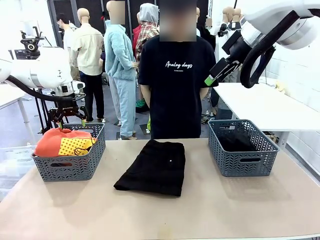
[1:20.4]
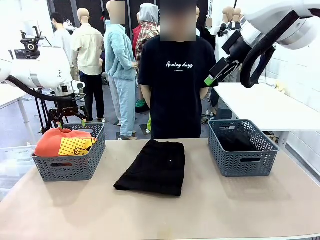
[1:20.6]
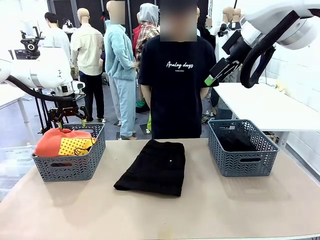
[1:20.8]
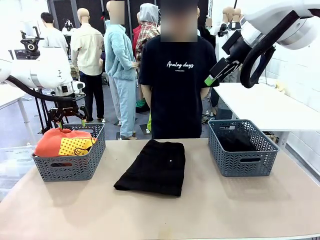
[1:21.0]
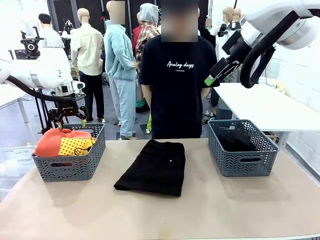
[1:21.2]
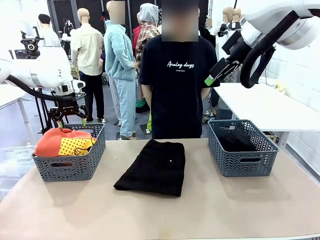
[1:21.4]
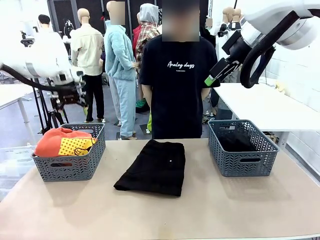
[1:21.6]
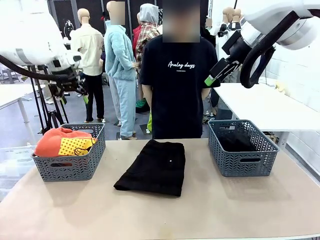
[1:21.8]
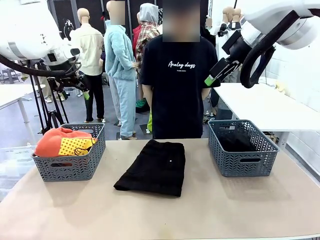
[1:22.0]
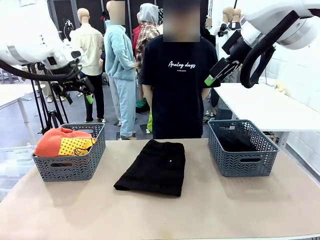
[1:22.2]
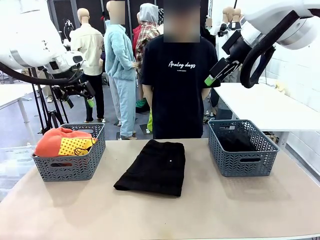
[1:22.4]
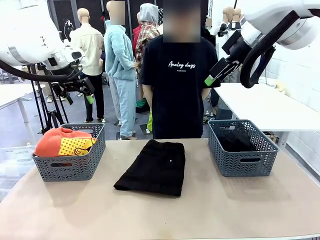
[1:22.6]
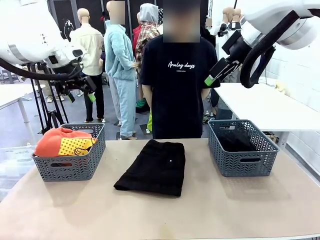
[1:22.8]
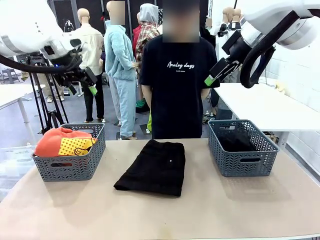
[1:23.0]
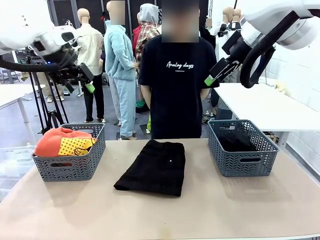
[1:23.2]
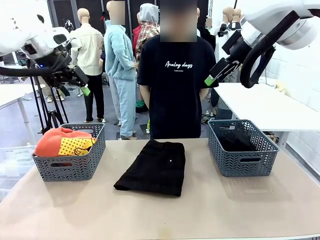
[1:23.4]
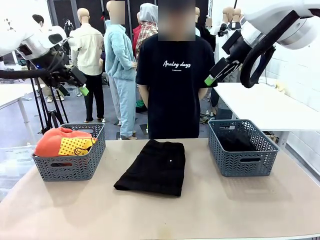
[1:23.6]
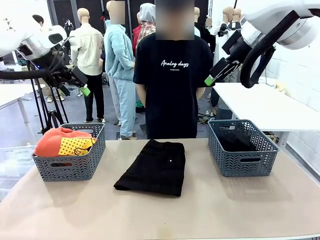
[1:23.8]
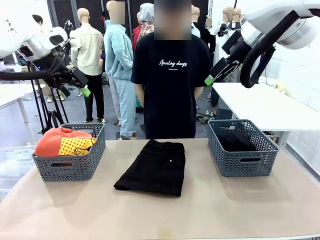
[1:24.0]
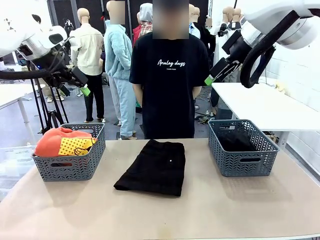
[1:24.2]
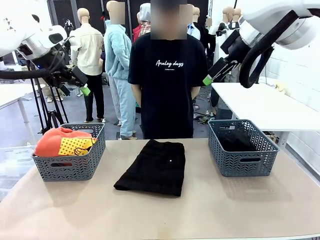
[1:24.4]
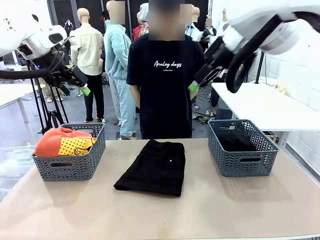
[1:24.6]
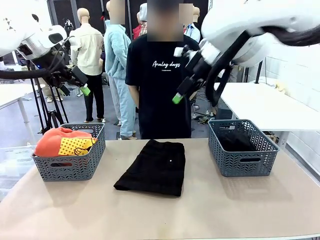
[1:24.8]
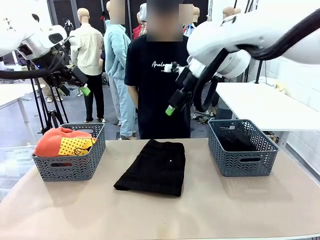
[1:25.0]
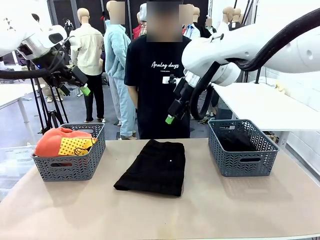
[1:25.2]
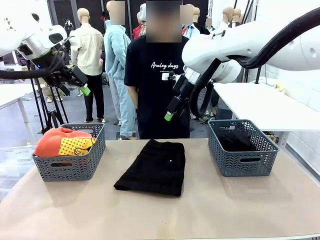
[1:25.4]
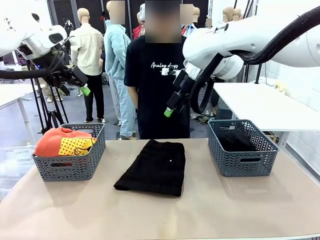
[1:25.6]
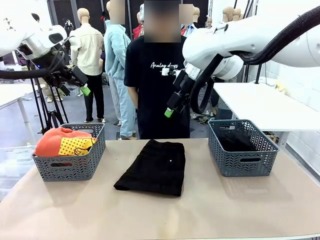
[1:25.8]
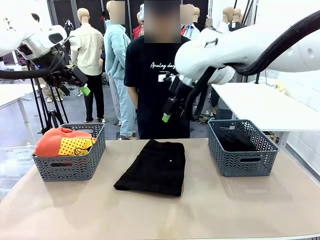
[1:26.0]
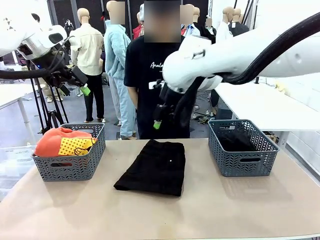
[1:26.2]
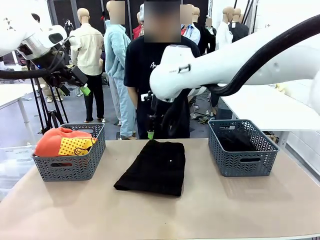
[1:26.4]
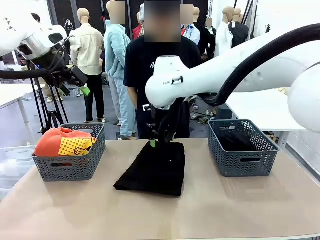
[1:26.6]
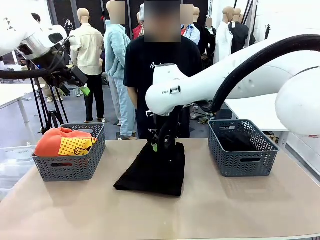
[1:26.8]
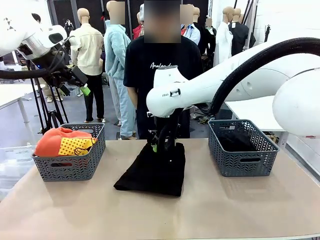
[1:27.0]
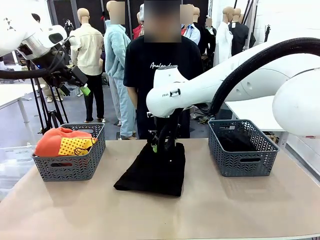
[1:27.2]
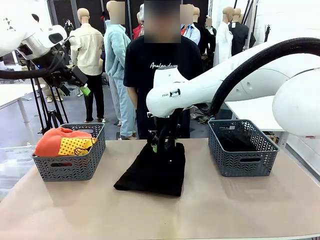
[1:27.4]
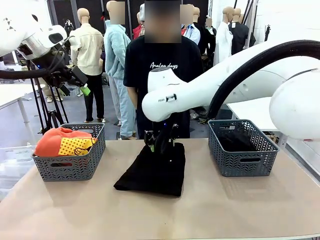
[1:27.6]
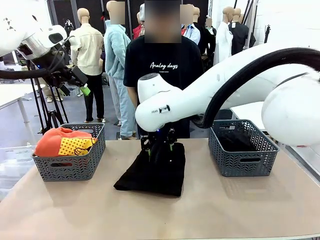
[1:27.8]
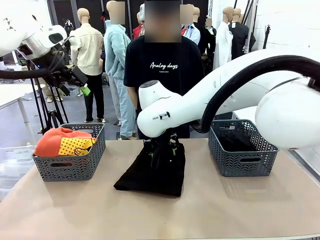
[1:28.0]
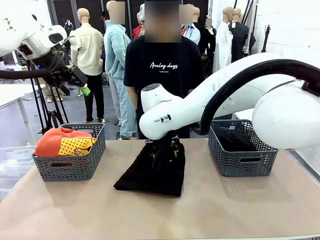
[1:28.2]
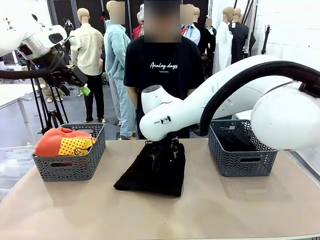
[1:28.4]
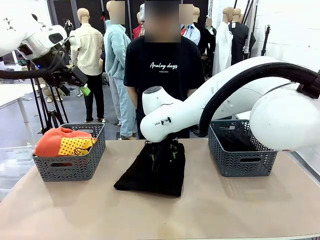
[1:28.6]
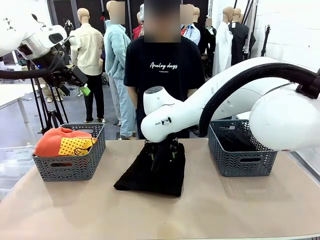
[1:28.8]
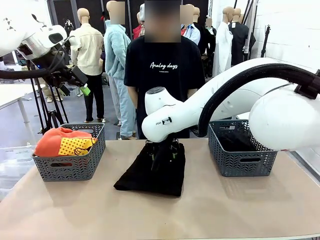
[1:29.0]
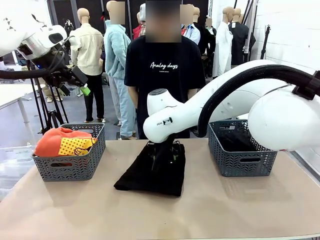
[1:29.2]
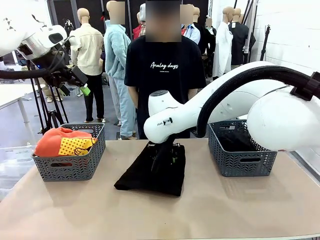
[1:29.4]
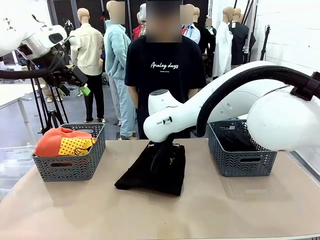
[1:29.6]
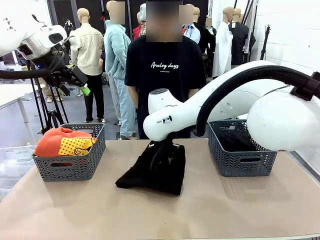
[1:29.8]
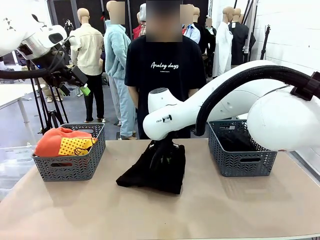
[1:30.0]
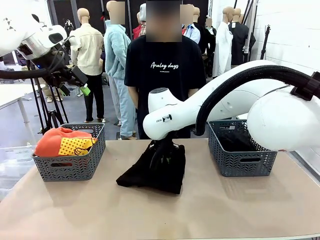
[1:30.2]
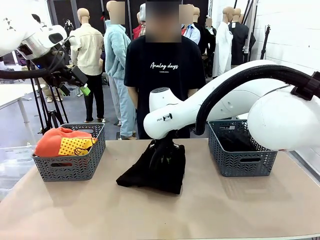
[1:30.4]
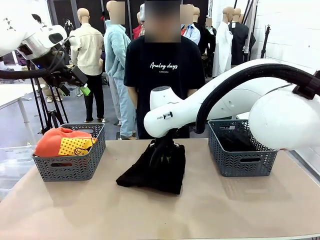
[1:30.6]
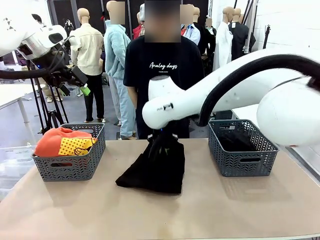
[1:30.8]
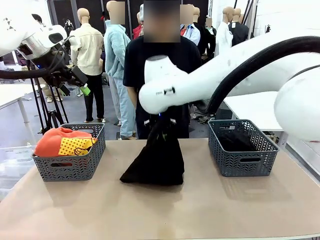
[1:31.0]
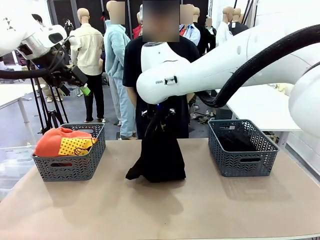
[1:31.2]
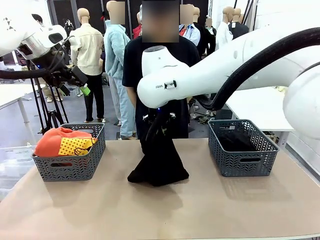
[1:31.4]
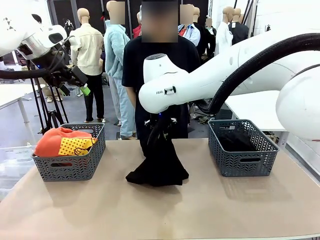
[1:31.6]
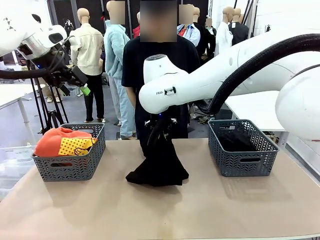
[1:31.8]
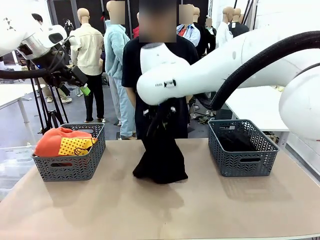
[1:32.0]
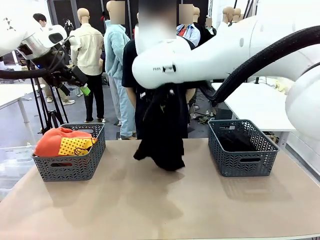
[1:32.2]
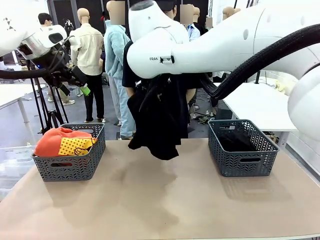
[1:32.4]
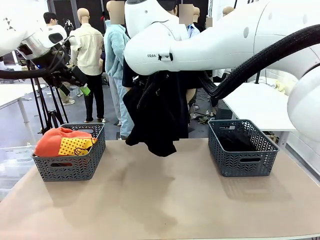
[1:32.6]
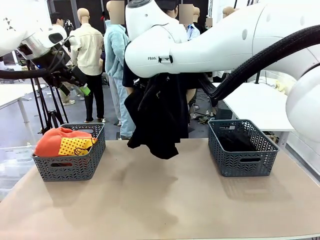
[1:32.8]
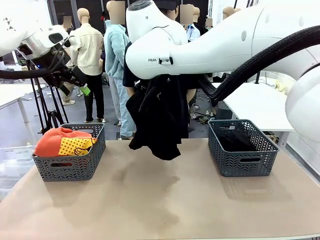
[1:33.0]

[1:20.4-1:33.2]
Task: Sort the tops and bottoms.
Robot: Lift clothes from the center of the table with your right hand.

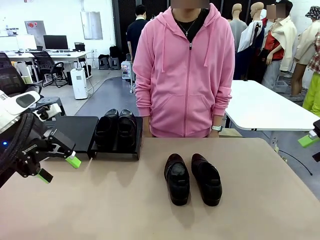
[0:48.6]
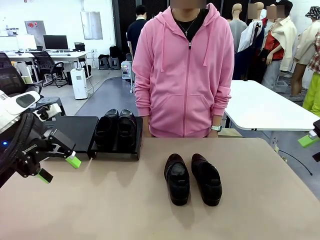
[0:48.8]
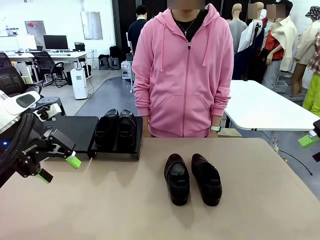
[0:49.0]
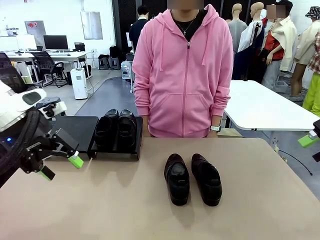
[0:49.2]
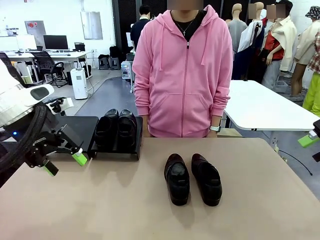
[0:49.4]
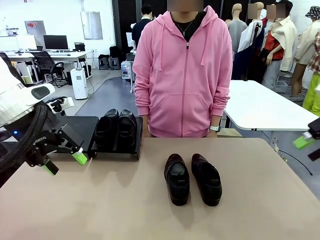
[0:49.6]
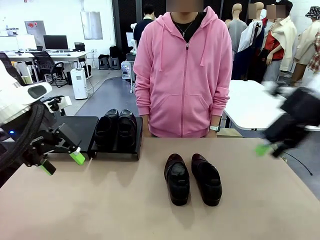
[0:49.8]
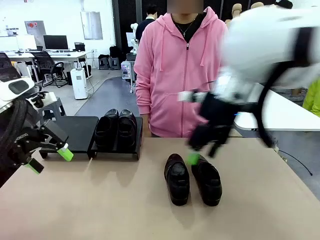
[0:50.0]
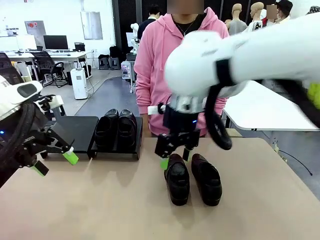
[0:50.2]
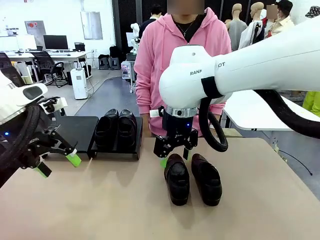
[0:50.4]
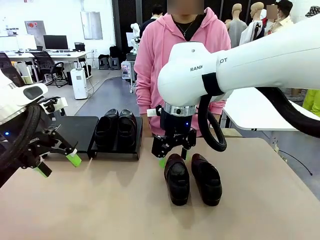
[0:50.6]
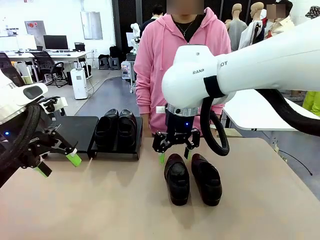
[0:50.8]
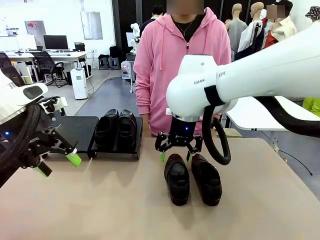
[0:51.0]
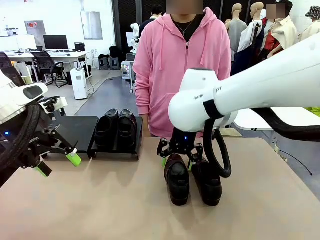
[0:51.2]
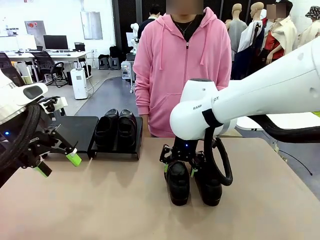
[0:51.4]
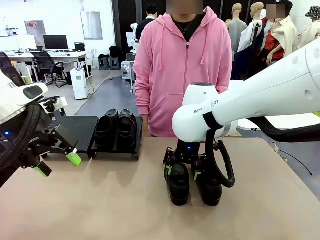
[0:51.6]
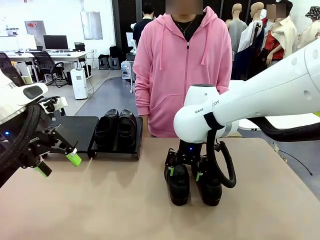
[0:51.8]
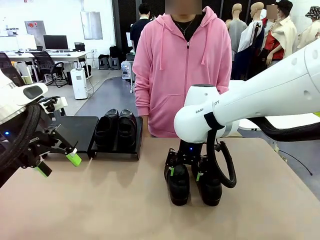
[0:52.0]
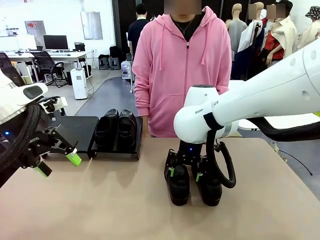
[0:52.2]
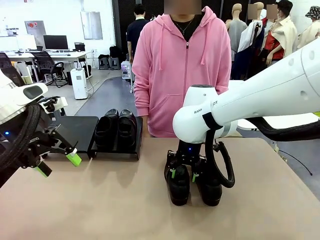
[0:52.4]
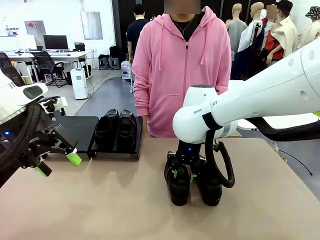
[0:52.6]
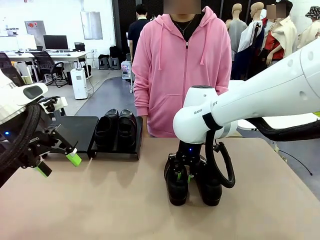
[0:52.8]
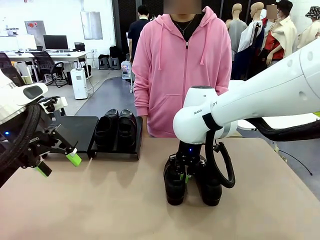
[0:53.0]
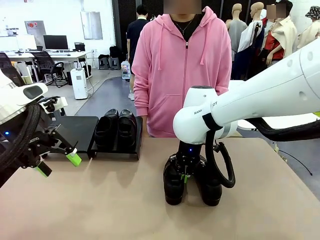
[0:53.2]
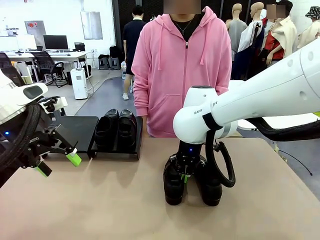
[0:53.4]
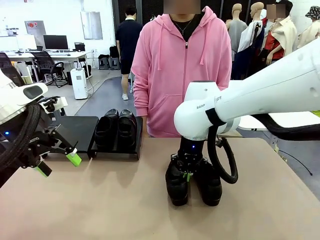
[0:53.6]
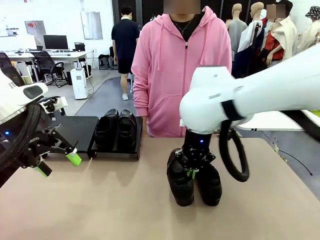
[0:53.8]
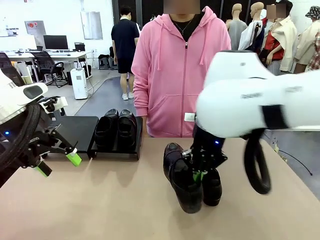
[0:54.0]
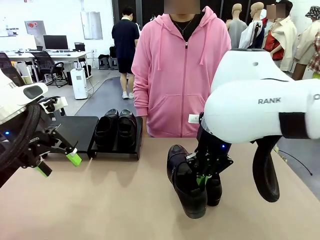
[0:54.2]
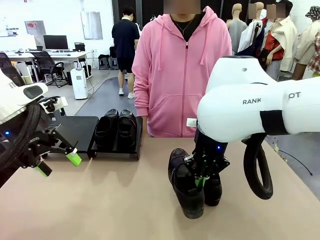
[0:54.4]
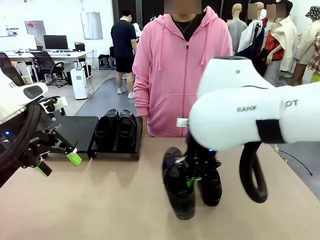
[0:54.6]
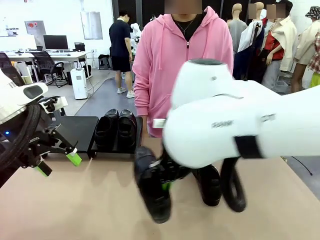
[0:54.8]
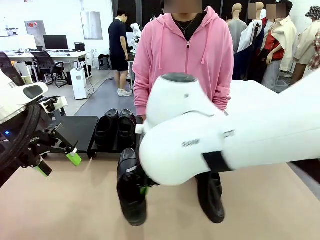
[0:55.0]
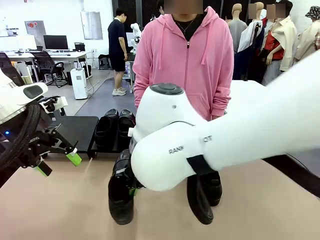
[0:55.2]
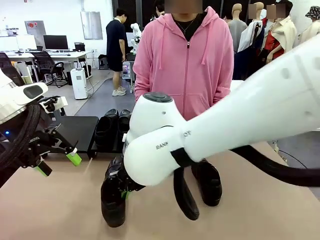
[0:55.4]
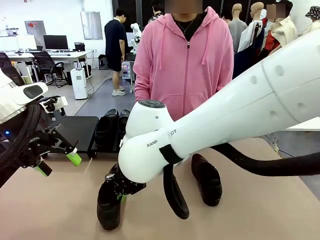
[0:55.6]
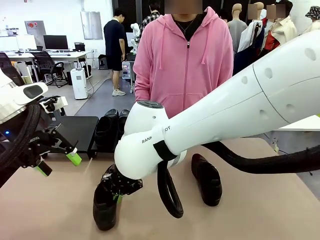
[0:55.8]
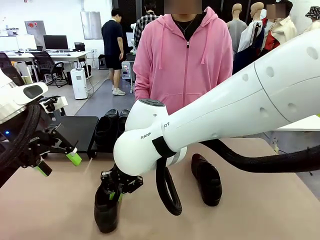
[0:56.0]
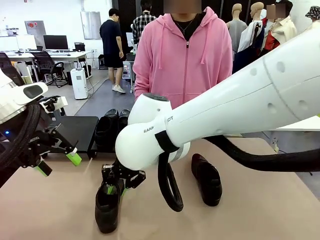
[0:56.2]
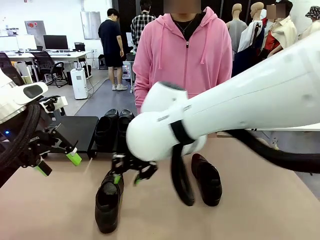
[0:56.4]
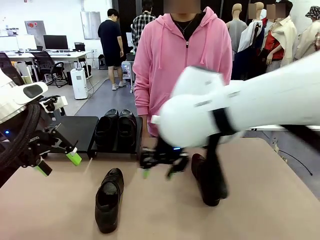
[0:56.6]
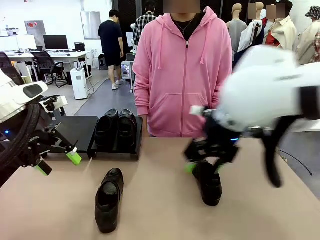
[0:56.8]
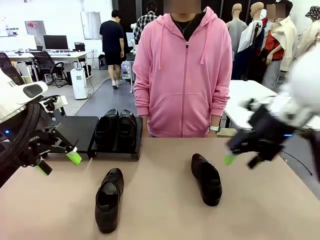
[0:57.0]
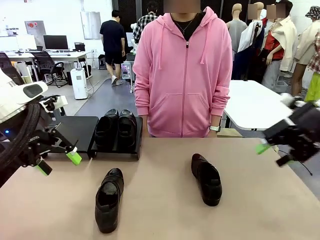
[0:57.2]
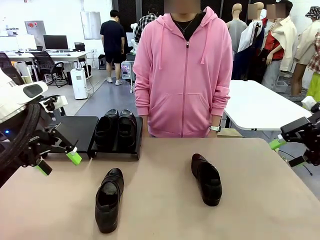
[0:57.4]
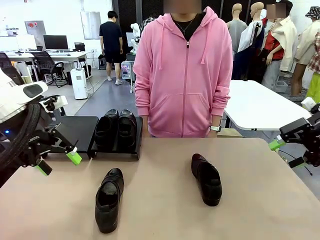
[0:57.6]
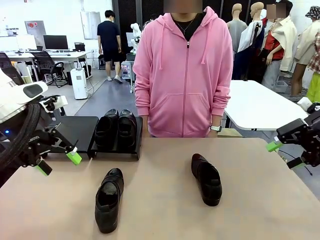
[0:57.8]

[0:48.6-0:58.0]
Task: Organize the shoes by placing them on the stand.
Robot: Pick up one Shoe and place it in the middle of the table.
